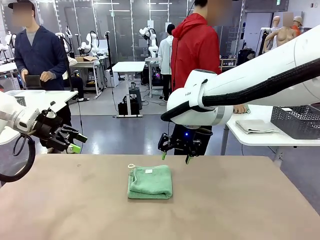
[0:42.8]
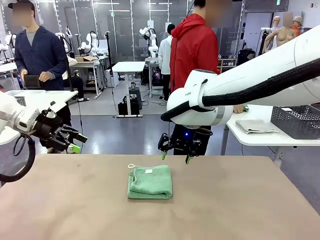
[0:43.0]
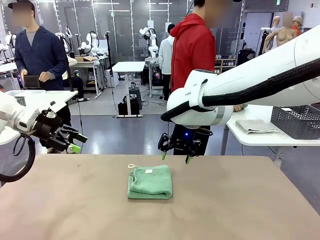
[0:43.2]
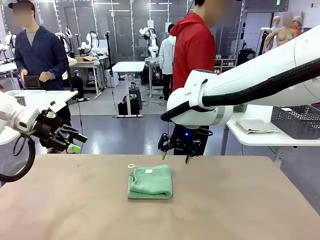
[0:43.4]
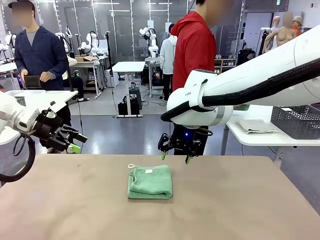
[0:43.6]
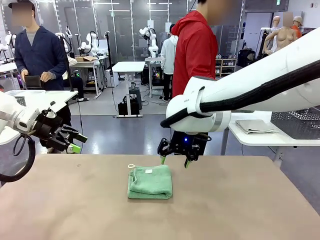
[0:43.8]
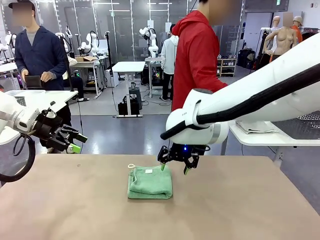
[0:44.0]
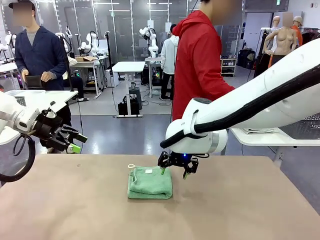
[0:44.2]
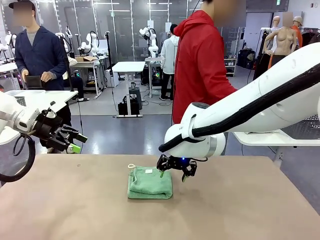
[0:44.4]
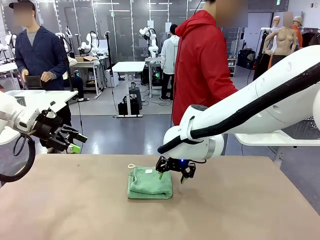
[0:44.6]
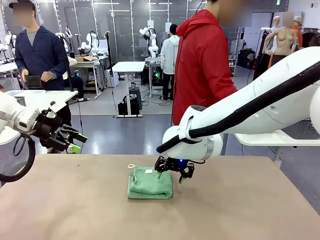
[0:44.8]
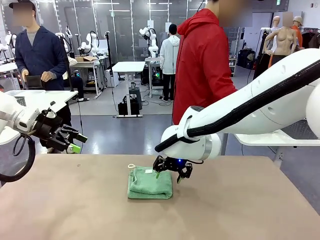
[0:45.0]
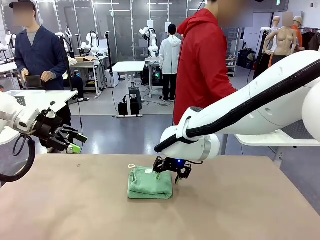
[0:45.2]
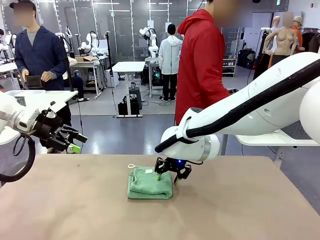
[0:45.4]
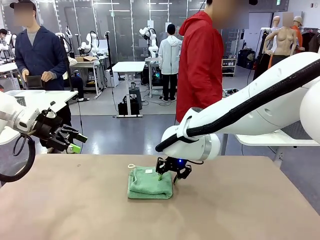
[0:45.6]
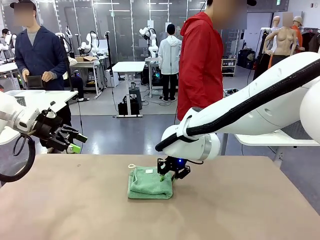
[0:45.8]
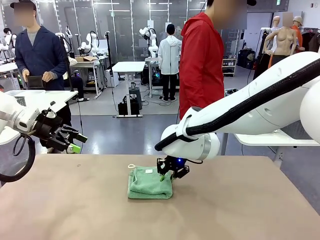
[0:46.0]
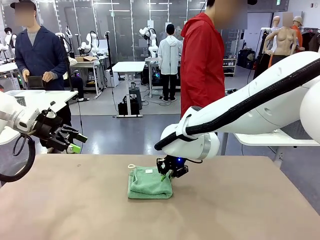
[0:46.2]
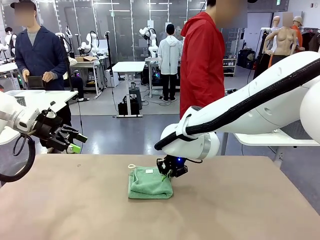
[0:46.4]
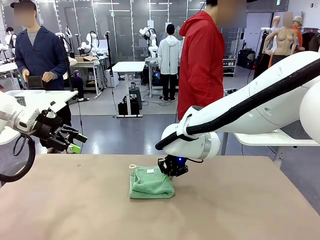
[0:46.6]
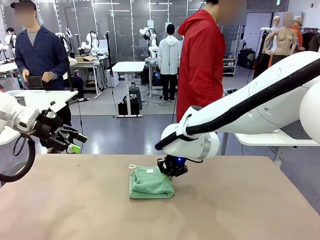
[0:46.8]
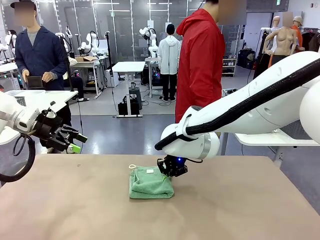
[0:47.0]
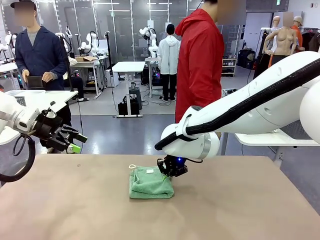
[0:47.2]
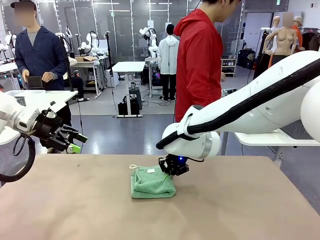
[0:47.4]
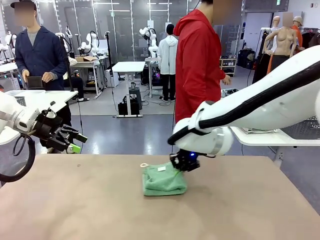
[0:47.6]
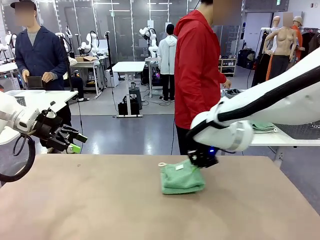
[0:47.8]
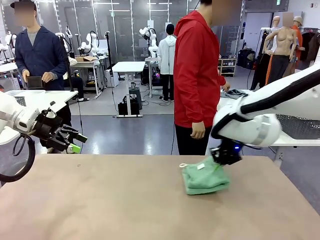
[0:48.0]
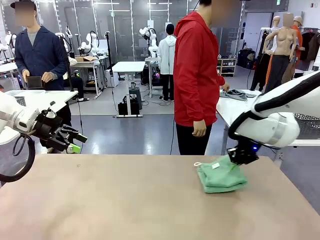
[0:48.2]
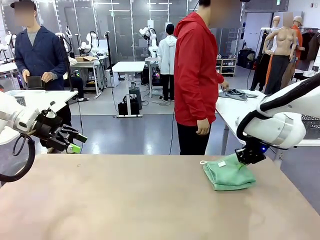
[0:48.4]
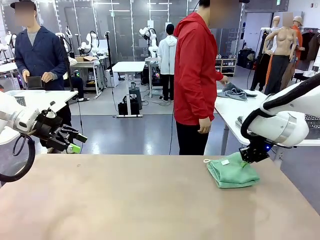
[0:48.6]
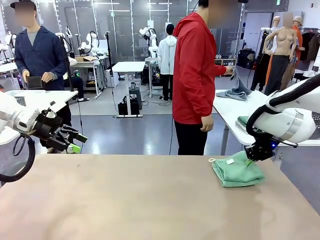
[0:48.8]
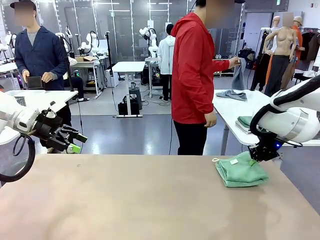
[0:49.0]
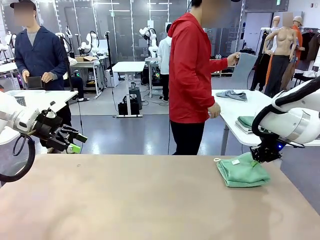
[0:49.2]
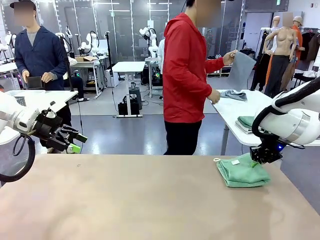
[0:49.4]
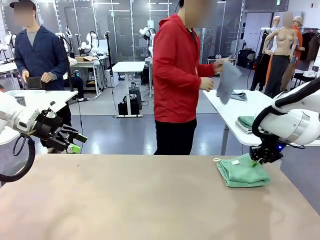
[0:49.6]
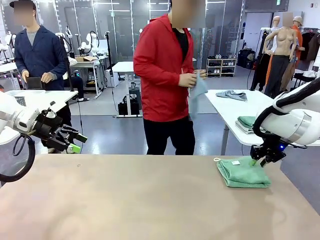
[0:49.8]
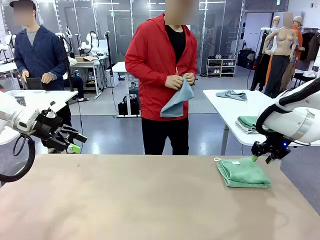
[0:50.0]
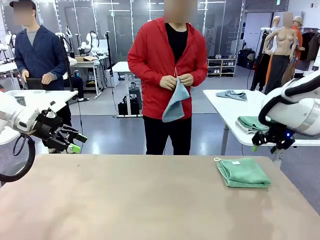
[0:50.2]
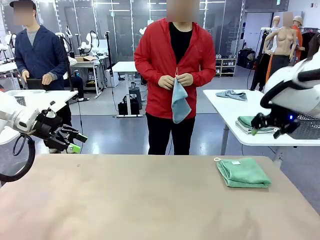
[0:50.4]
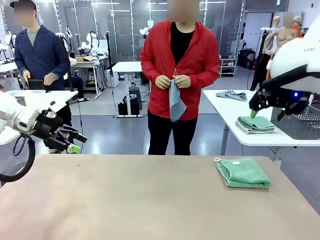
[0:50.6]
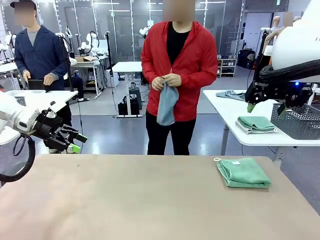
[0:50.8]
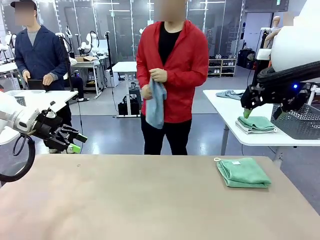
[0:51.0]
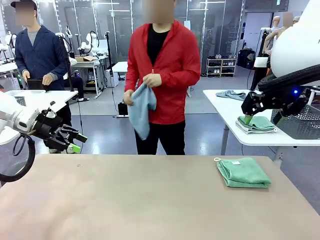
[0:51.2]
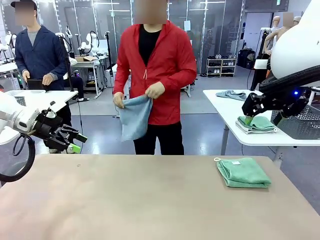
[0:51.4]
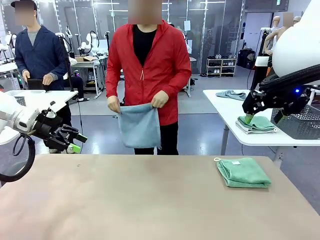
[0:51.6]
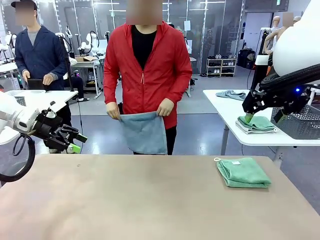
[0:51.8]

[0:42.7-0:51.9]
Task: Fold the towels and place them in the basket.
Robot: Place the folded Towel with hook on the right side of the table.
Person: Pick up one towel from the left side of the human table and spread it out at the center of the robot table.

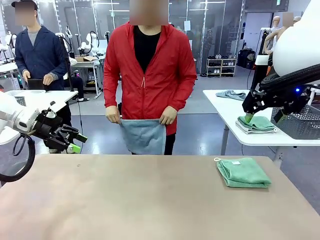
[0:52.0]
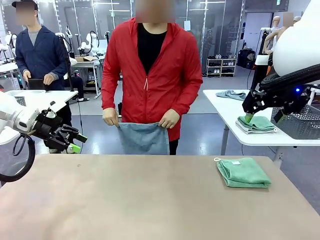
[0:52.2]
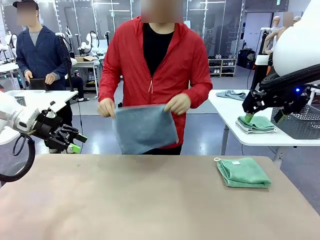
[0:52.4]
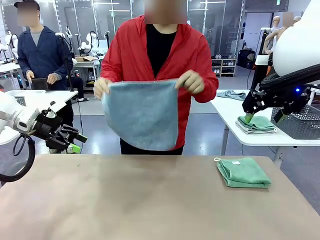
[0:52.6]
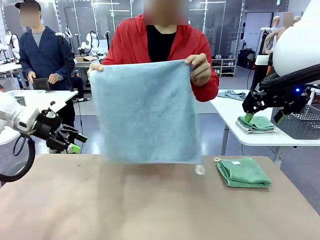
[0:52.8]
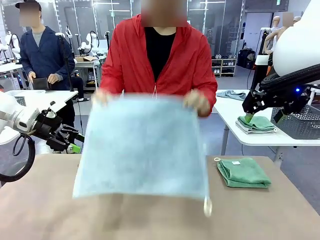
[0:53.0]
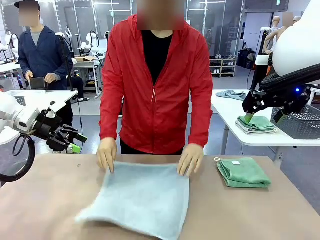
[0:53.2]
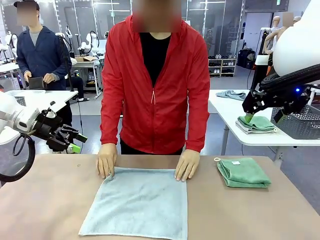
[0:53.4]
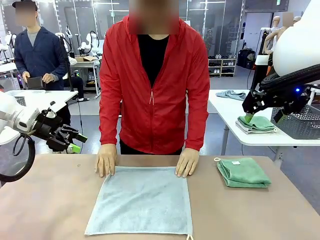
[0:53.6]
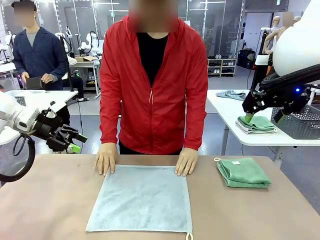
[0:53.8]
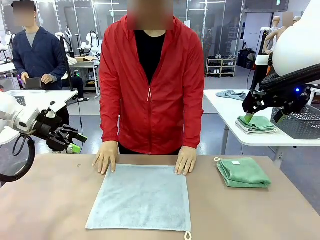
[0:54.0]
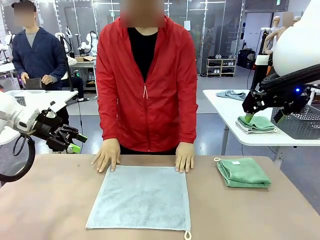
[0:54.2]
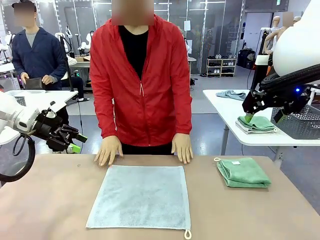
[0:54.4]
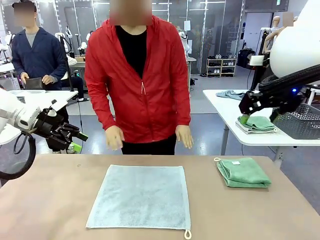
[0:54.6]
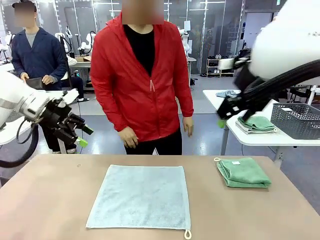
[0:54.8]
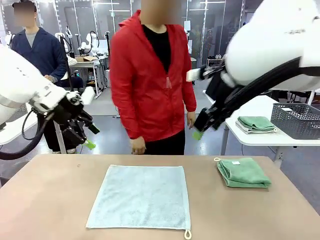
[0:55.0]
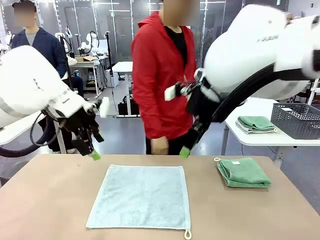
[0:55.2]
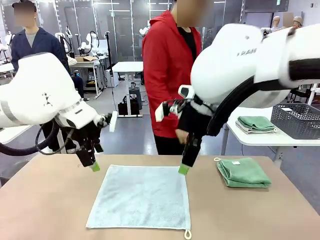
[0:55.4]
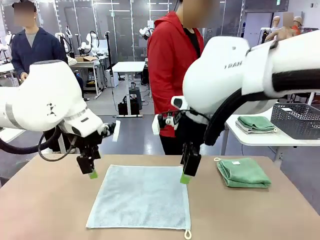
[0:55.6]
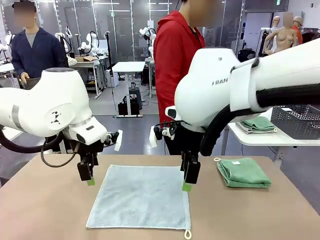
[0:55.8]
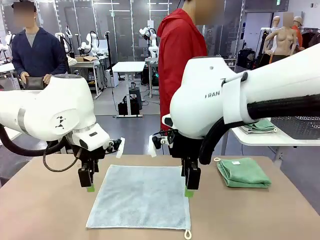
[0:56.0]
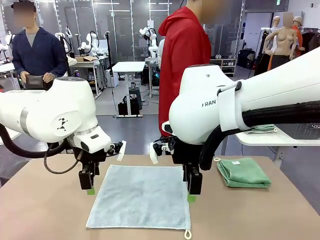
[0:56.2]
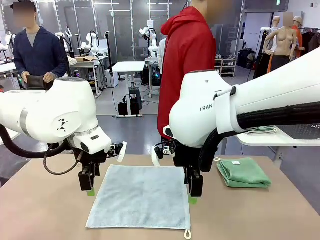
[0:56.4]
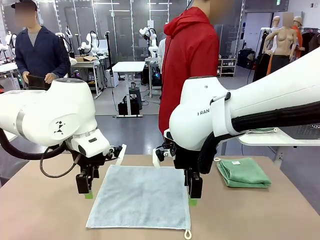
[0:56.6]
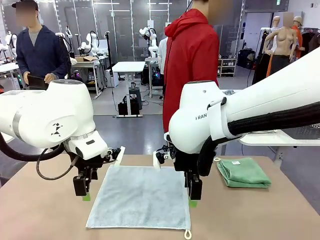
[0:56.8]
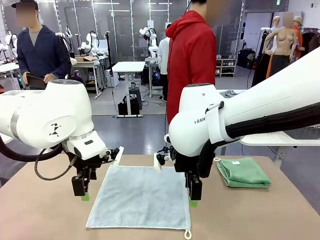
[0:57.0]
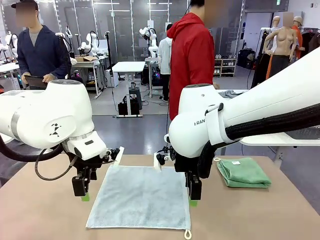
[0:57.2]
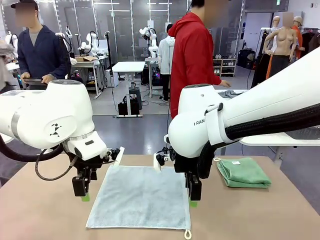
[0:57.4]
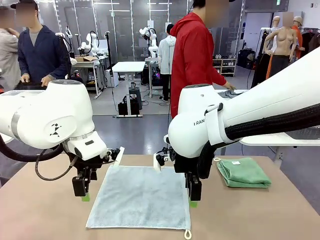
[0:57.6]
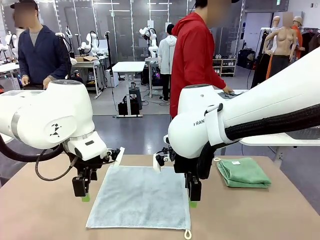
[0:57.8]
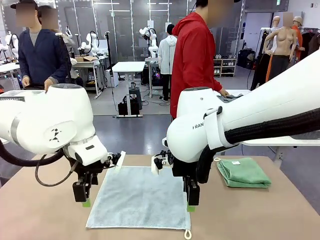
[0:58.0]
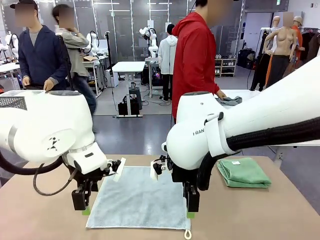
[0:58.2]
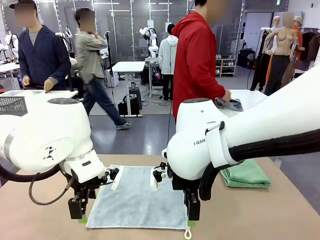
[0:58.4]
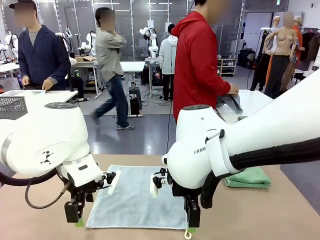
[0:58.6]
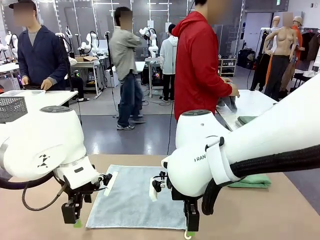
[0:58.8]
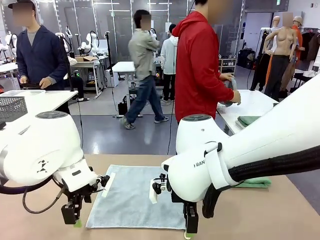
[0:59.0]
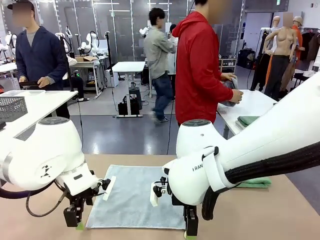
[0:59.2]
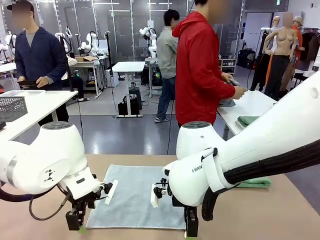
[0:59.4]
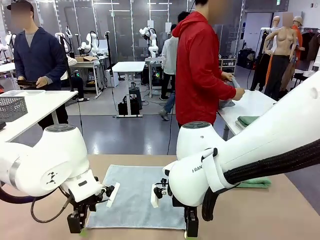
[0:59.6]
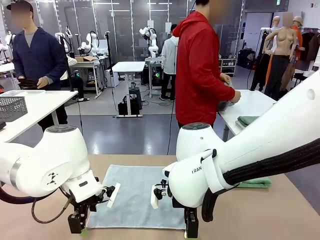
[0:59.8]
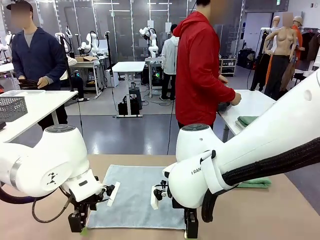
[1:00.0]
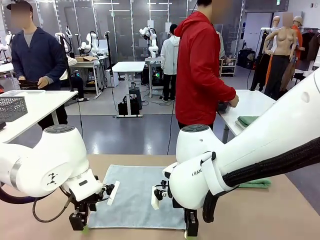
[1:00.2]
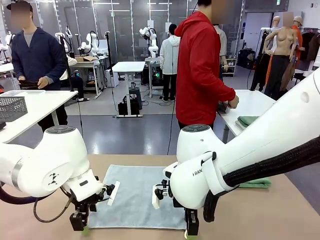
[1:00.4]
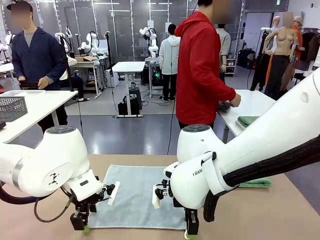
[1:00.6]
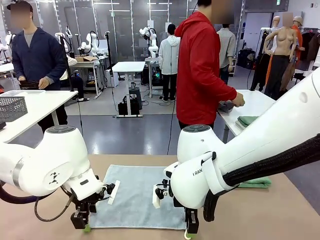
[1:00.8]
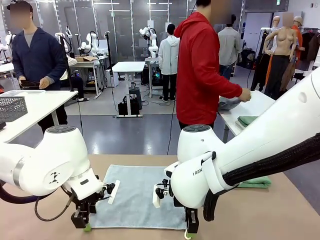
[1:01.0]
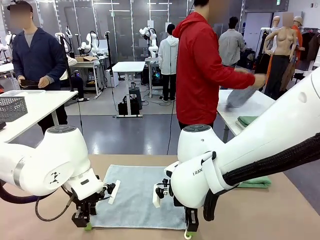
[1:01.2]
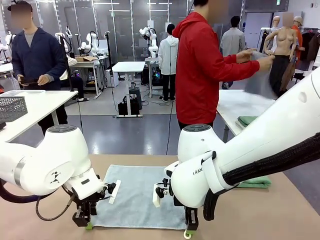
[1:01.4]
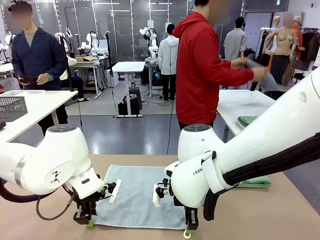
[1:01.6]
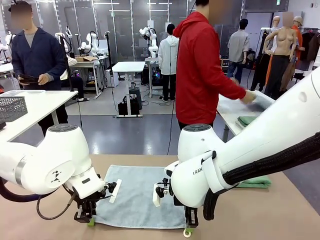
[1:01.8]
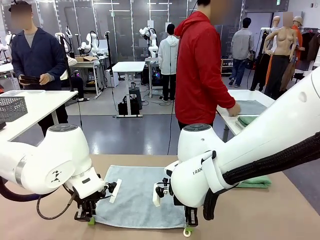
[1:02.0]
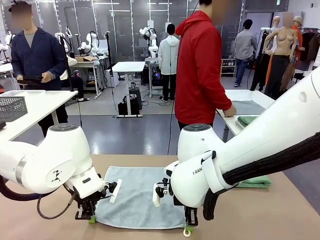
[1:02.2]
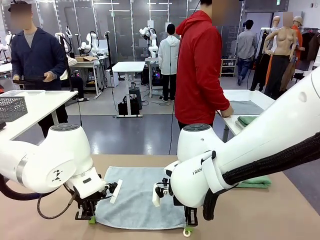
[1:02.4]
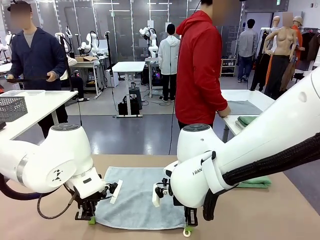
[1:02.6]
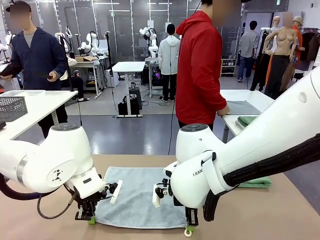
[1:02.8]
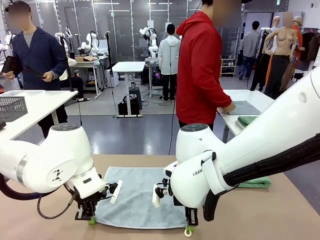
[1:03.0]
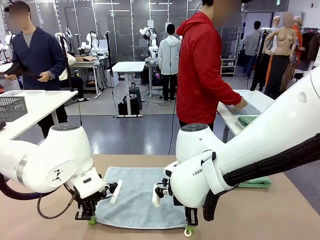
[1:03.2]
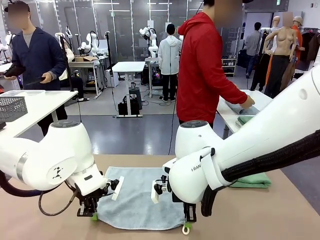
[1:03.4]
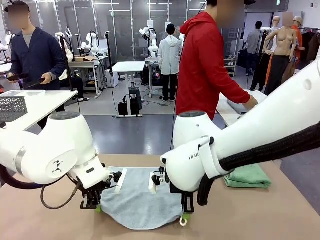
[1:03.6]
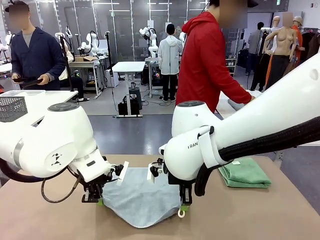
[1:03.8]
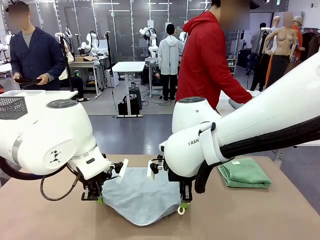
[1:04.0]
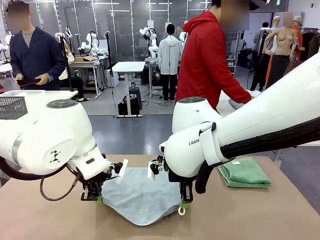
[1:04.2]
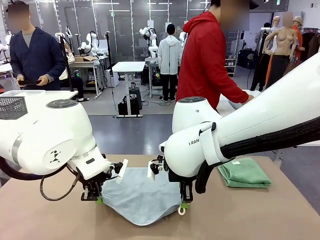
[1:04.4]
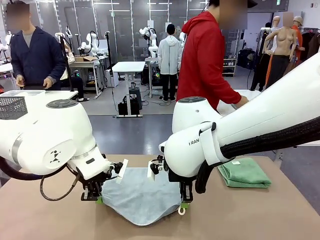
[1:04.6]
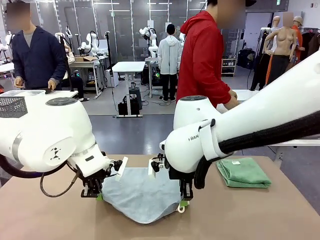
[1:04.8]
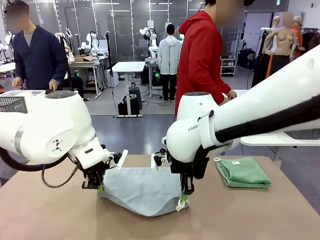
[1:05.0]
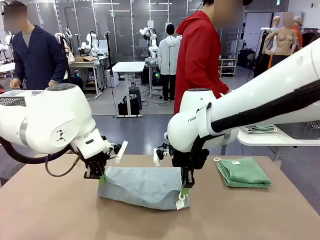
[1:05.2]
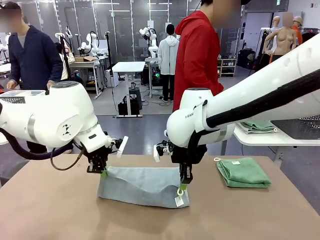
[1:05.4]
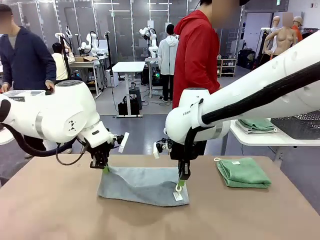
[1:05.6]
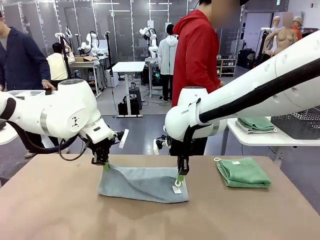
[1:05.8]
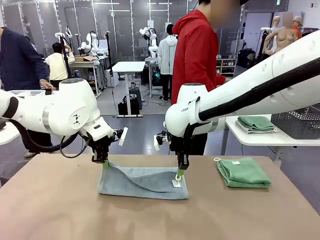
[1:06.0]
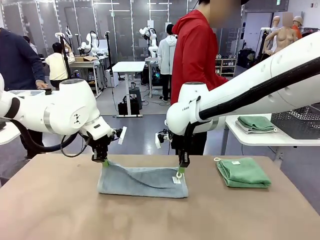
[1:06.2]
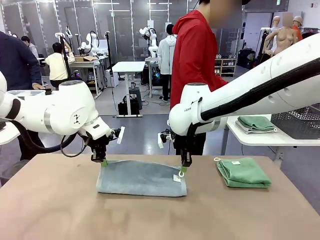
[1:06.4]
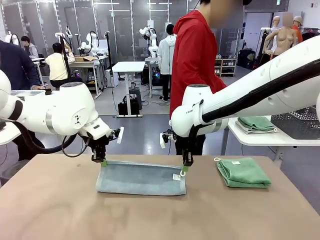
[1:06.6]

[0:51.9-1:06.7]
Robot: When a person lays out a Towel with hook on the table, fold it in half twice.
Person: Pick up one towel from the left side of the human table, fold it in half twice, and stack it on the right side of the table.
